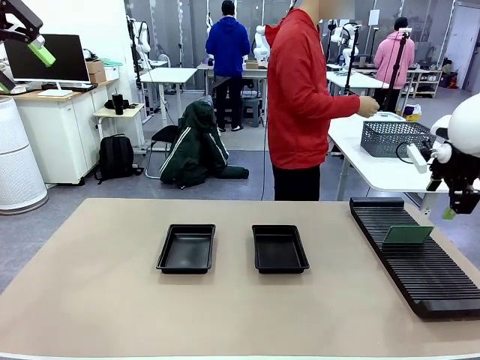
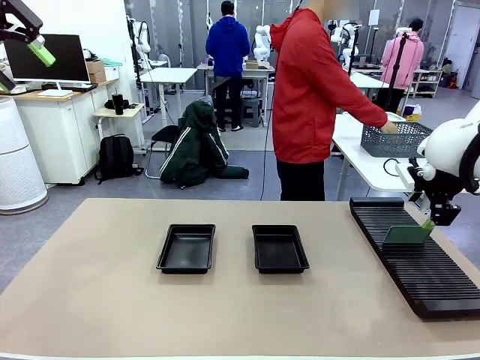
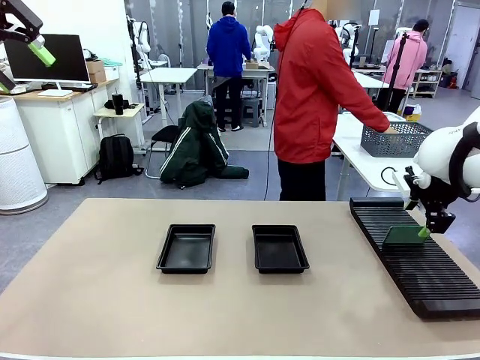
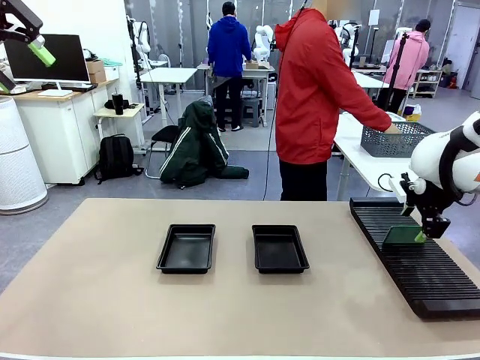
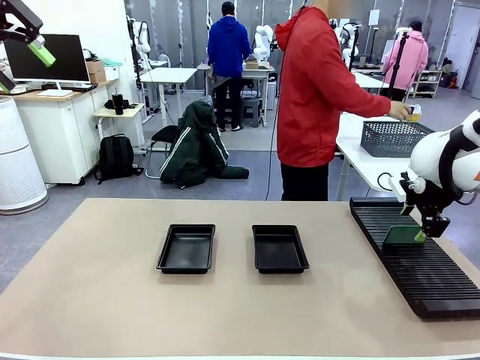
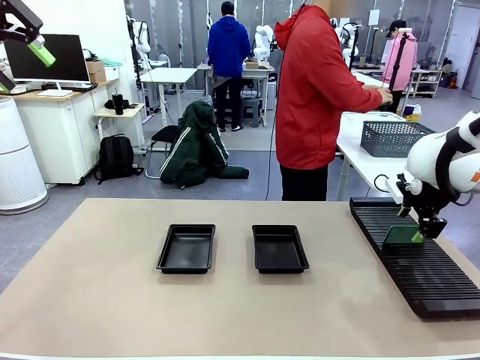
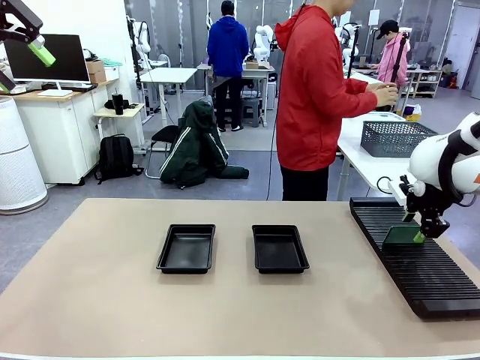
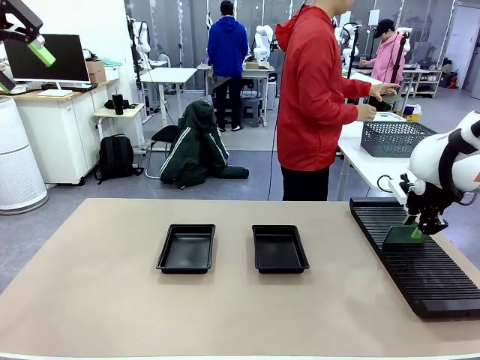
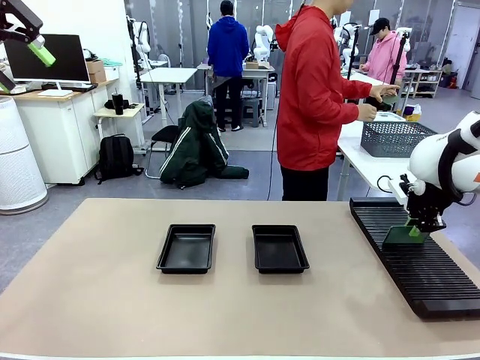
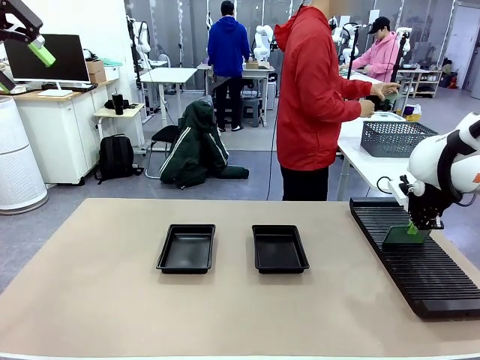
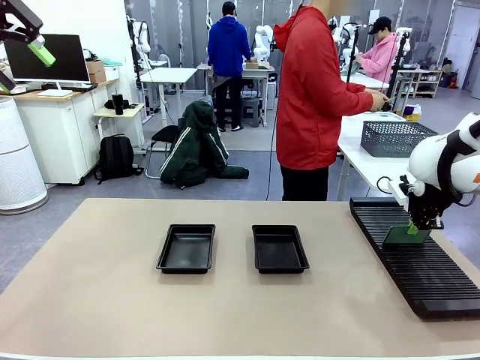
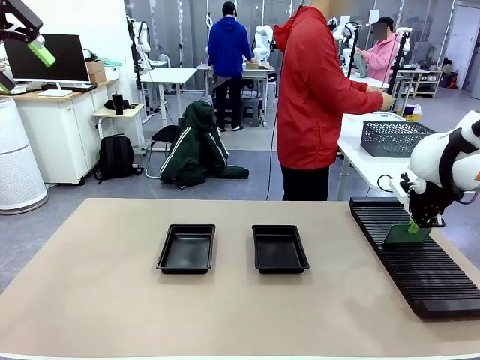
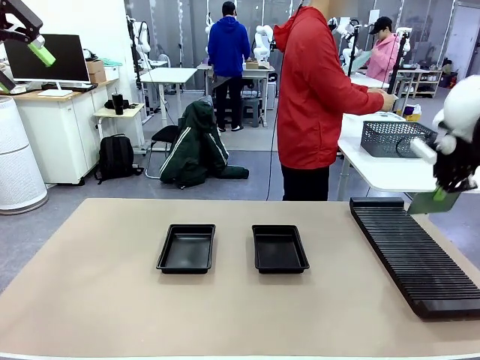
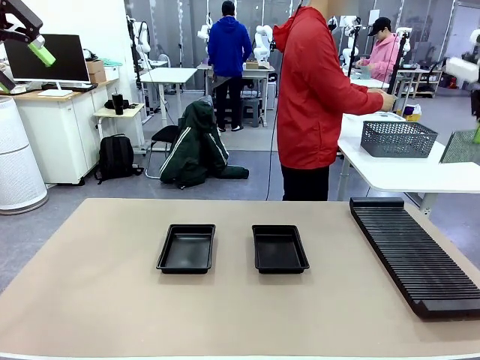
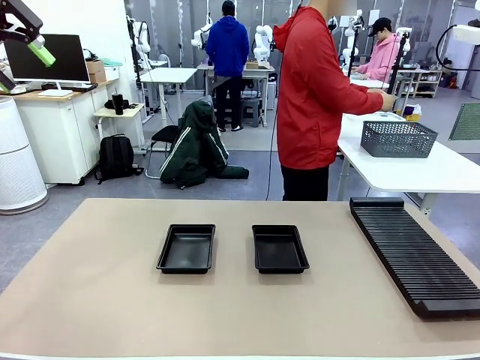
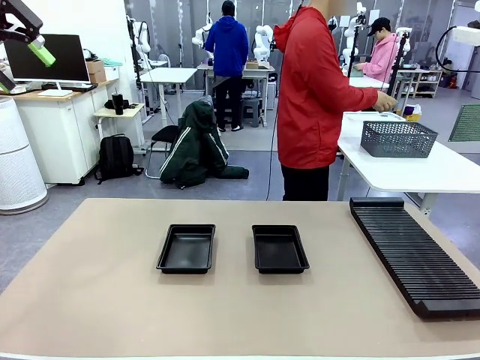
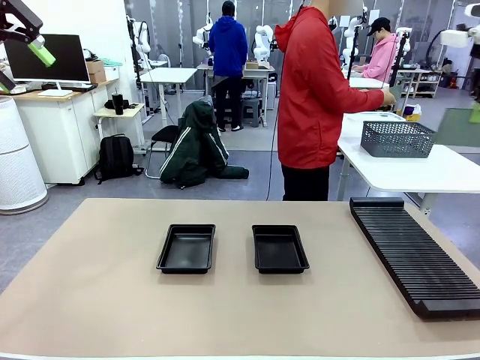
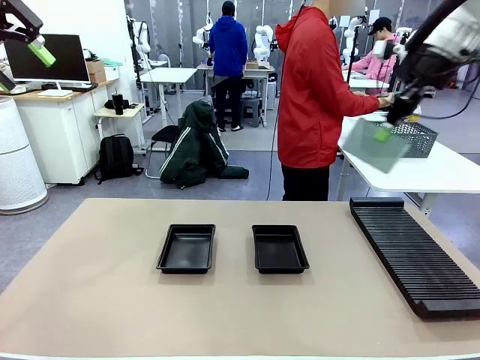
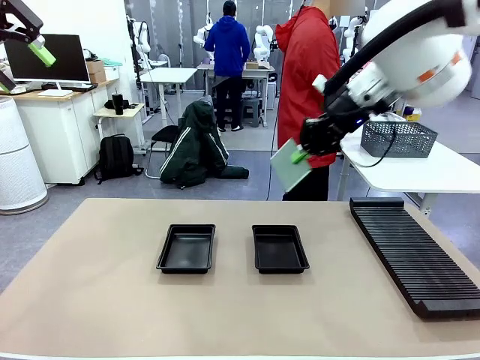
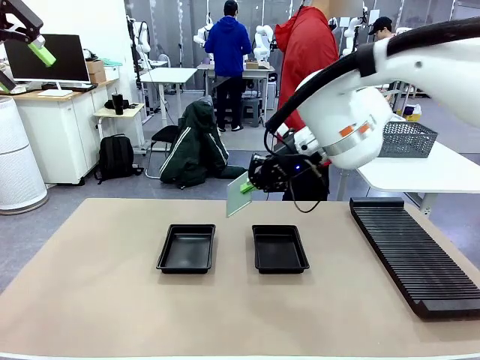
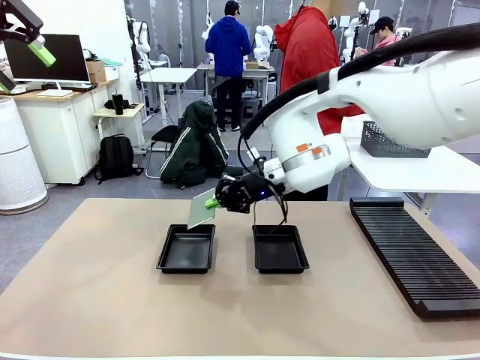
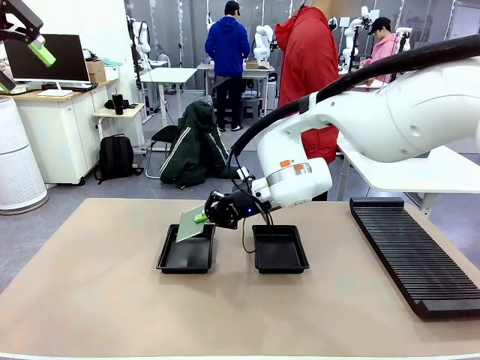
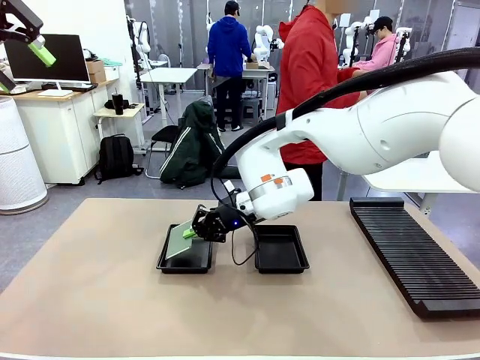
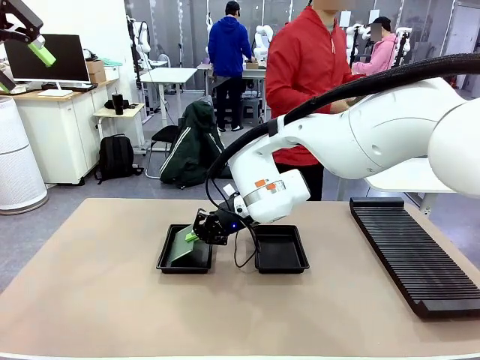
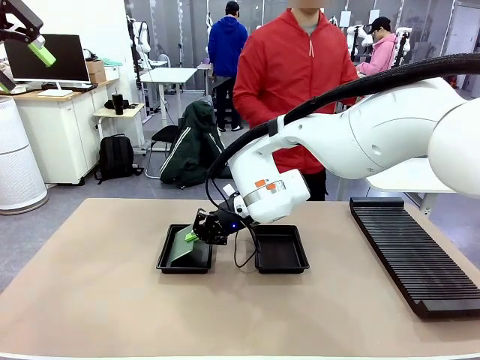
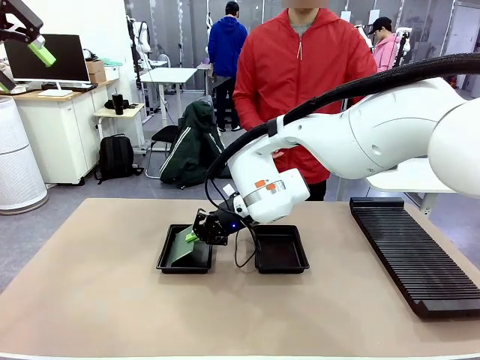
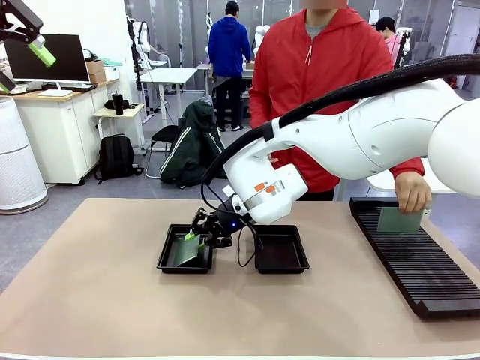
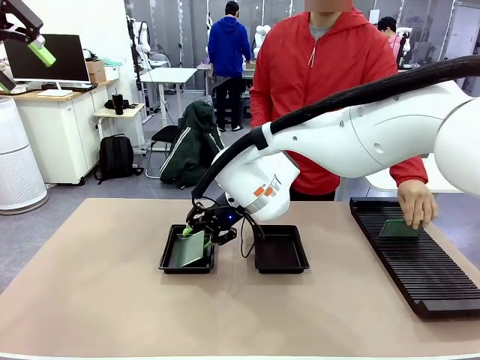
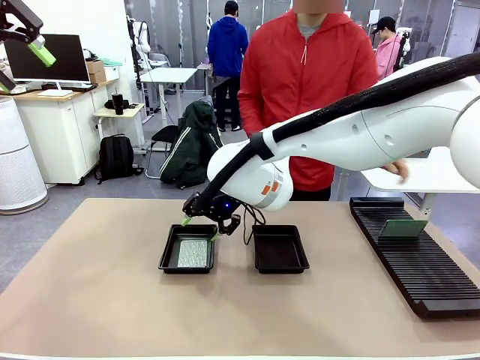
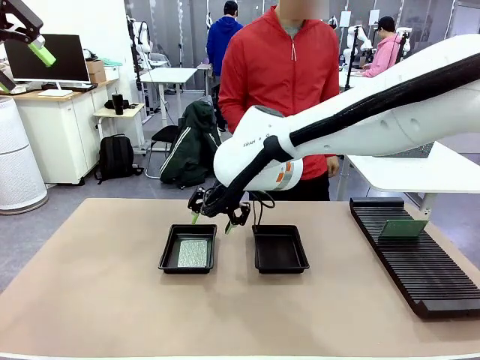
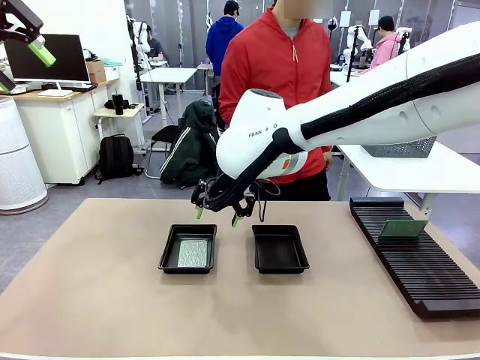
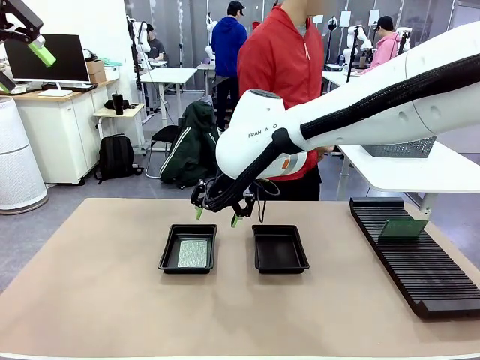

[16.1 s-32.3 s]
Task: Inspect and transfer BCBs to ESD trays.
Robot: Pick up the Blank PCB from the PCB Rack and place it in the left ESD tray.

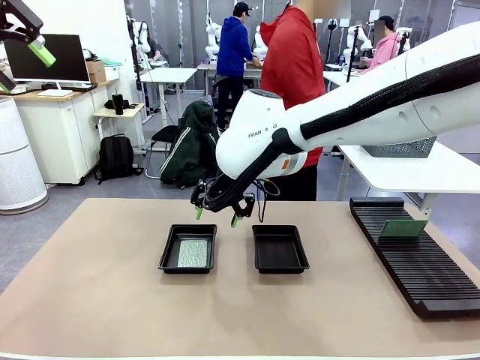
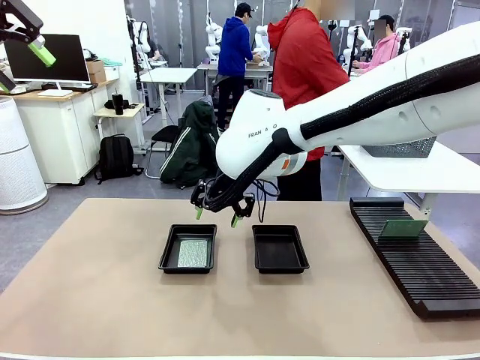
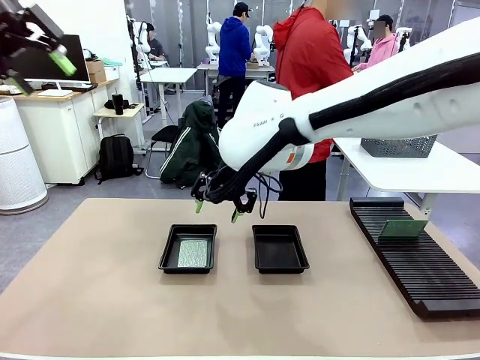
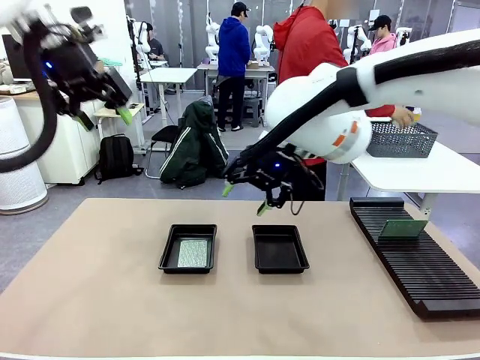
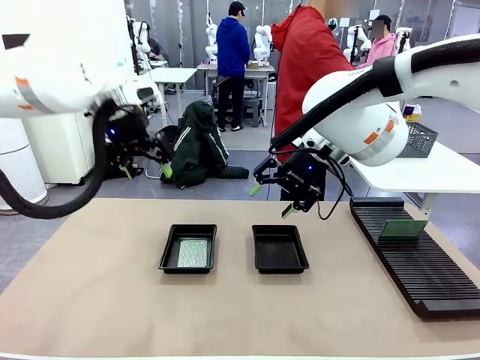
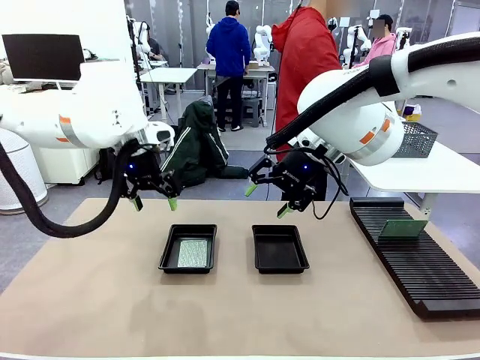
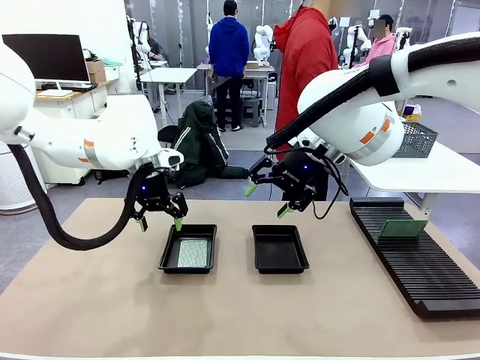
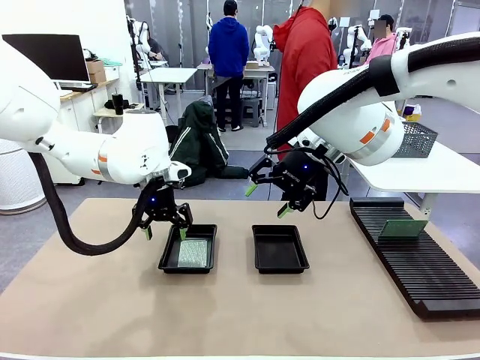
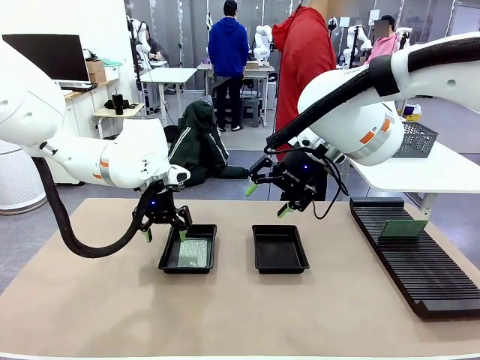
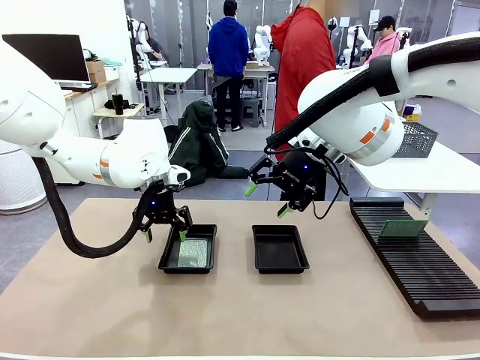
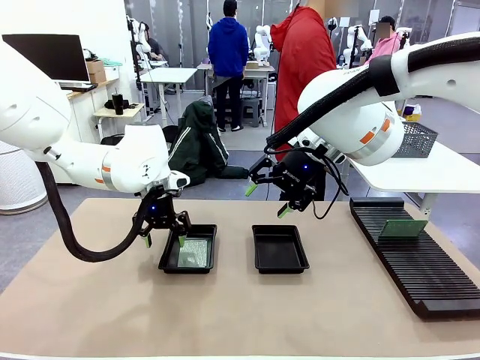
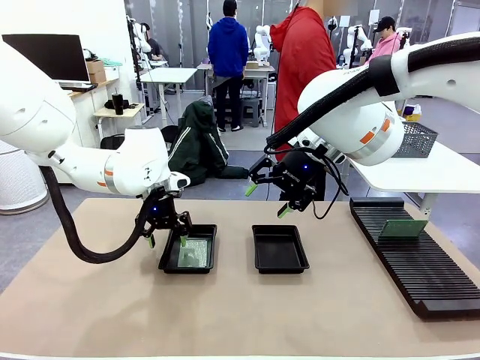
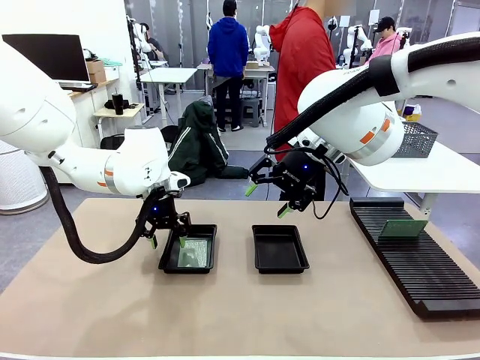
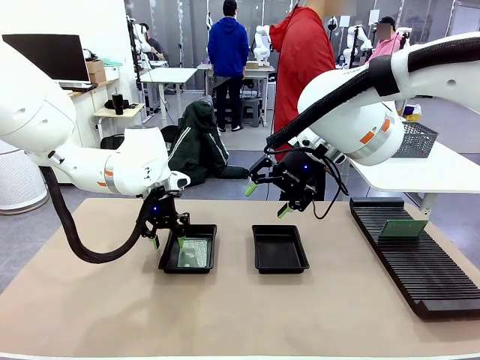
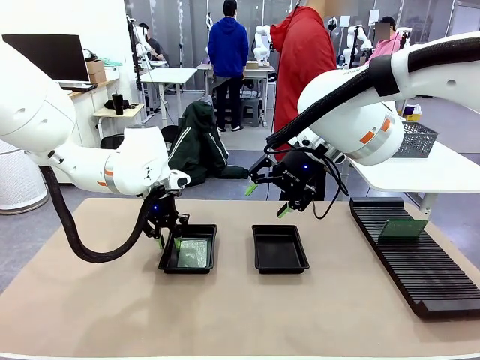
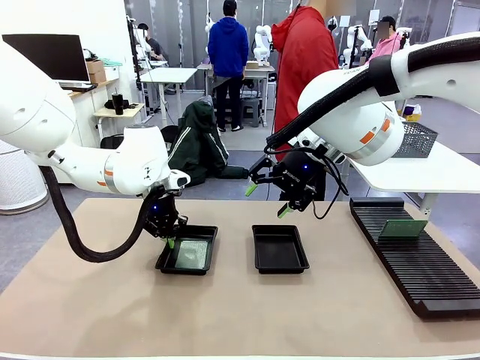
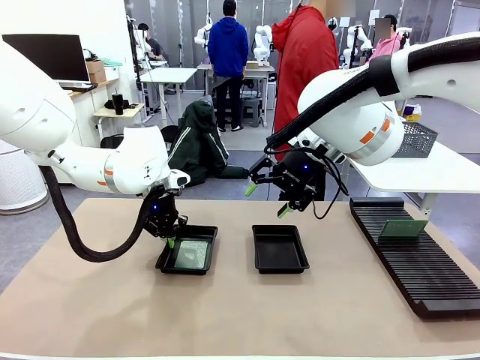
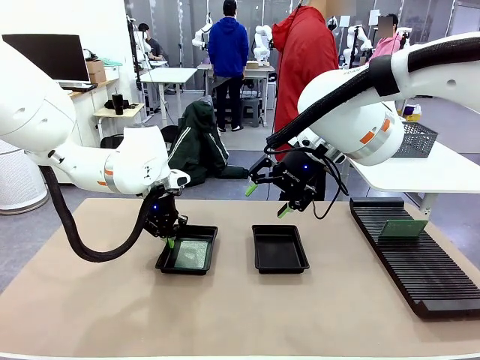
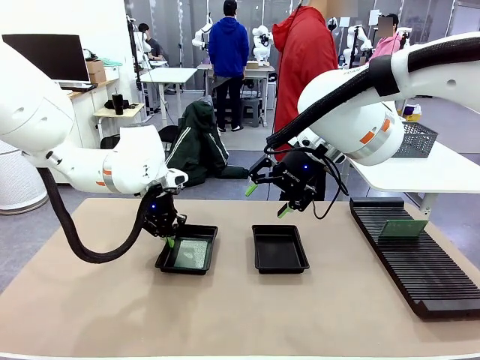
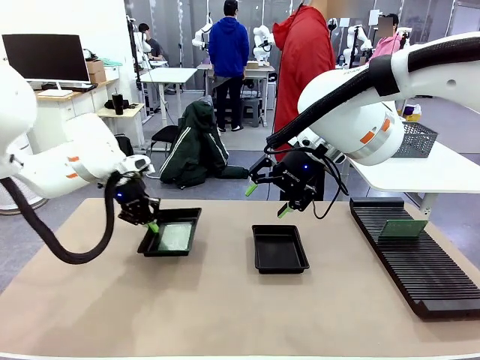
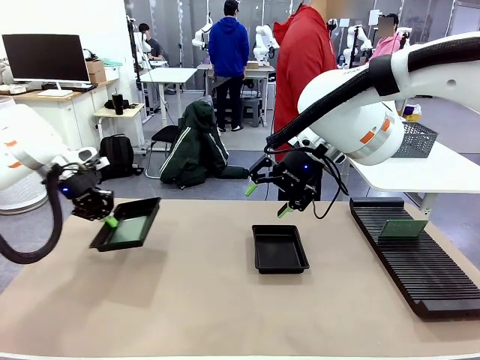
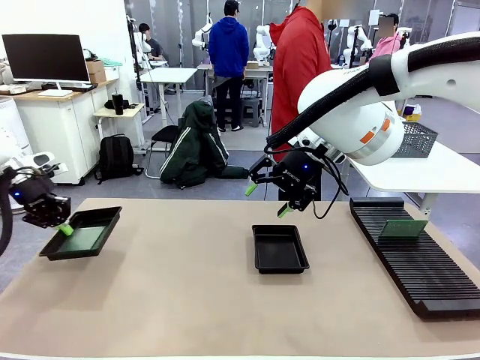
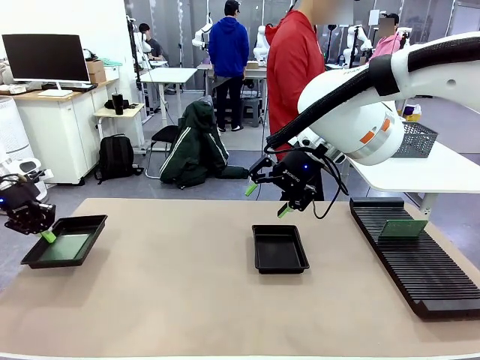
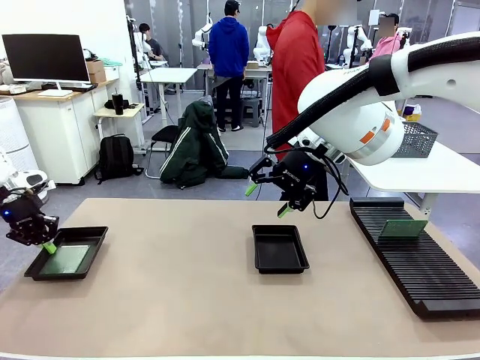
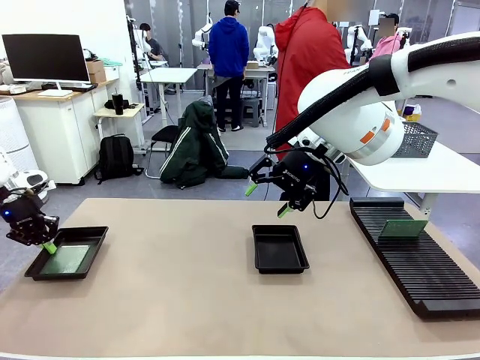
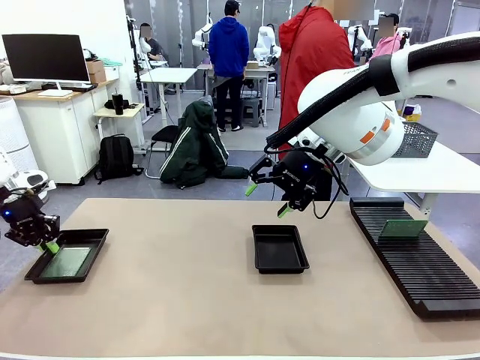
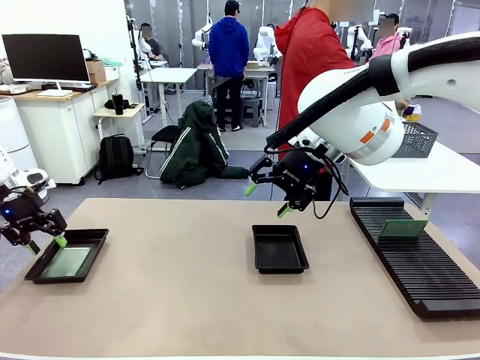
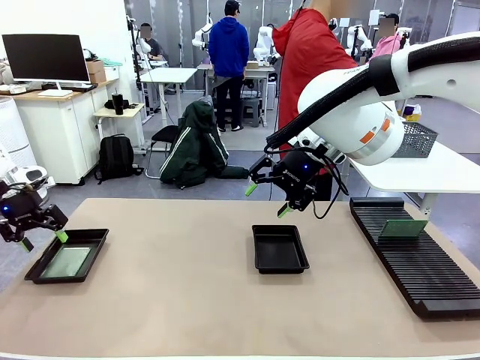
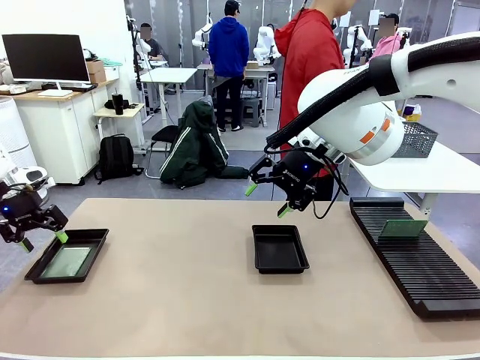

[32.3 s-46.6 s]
Robot: Pick up the ESD tray and place it on the left side of the table.
